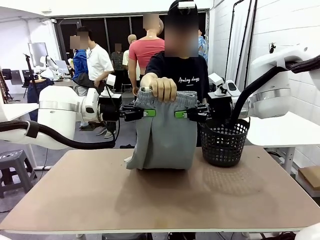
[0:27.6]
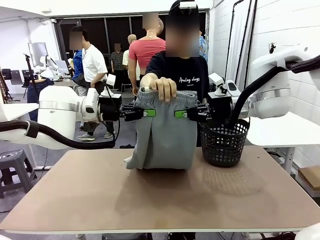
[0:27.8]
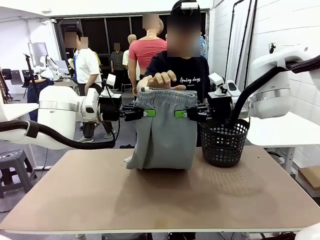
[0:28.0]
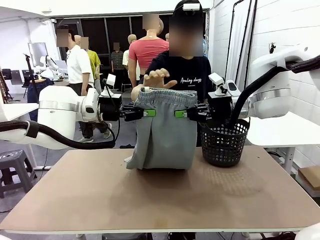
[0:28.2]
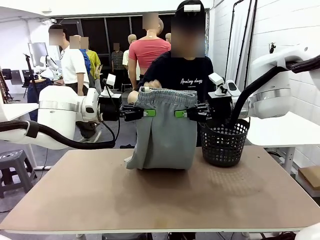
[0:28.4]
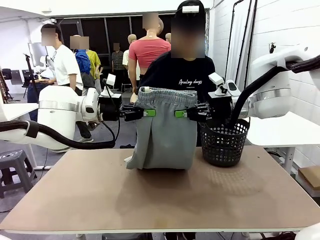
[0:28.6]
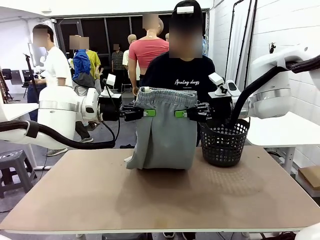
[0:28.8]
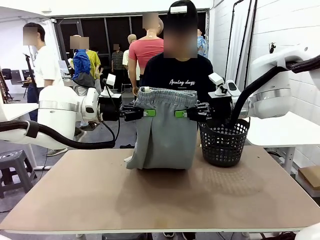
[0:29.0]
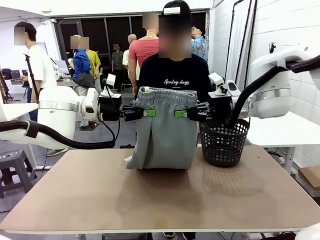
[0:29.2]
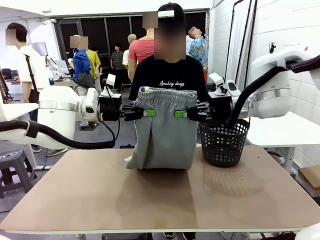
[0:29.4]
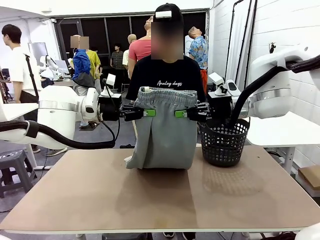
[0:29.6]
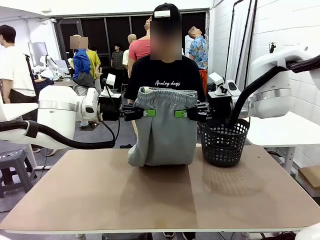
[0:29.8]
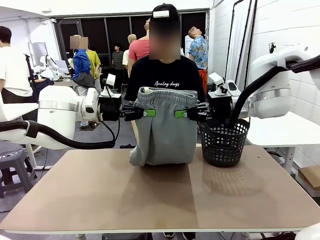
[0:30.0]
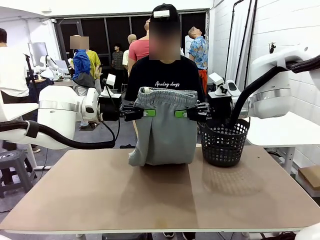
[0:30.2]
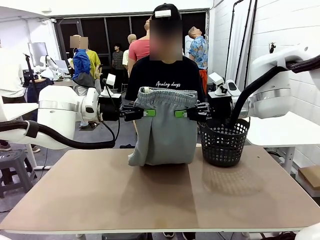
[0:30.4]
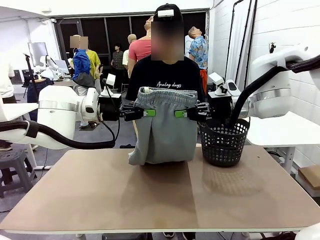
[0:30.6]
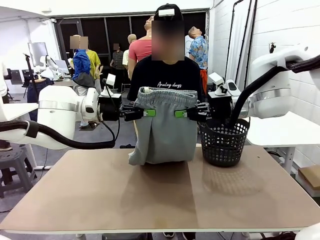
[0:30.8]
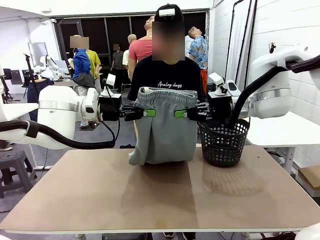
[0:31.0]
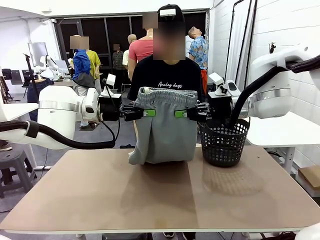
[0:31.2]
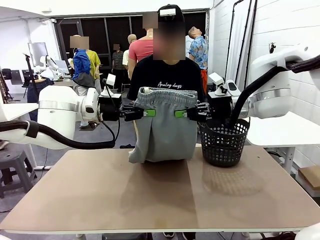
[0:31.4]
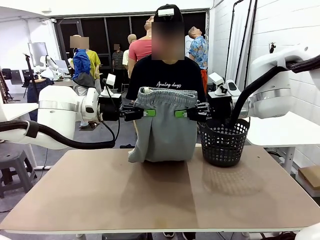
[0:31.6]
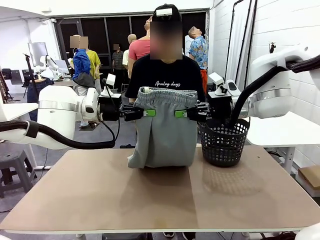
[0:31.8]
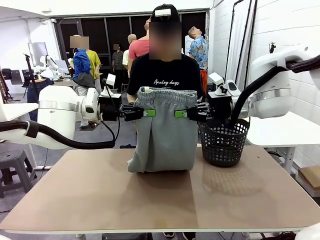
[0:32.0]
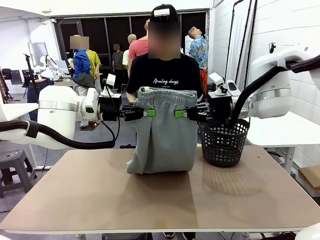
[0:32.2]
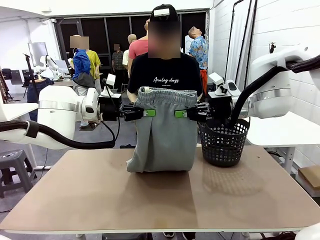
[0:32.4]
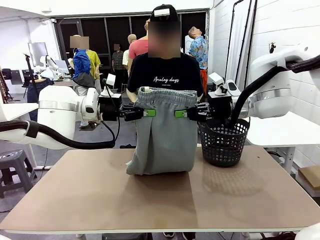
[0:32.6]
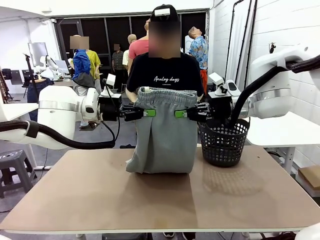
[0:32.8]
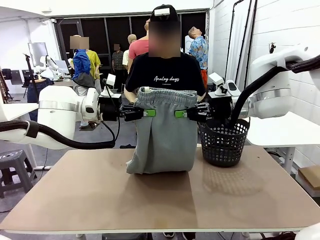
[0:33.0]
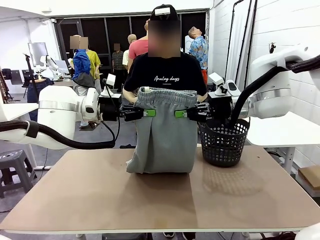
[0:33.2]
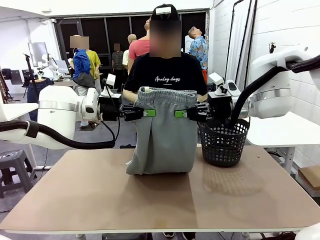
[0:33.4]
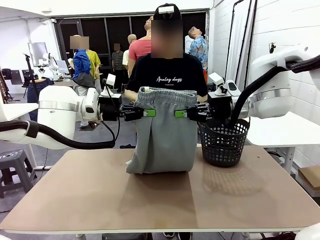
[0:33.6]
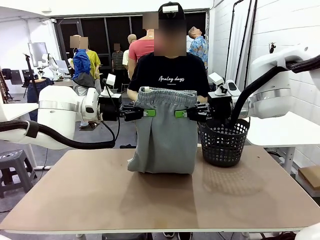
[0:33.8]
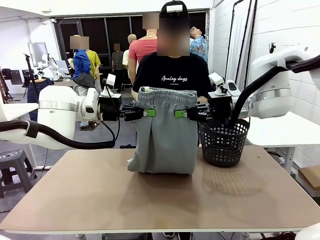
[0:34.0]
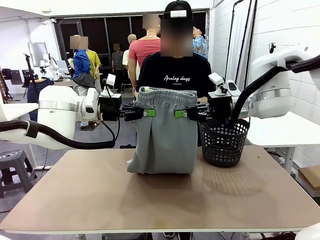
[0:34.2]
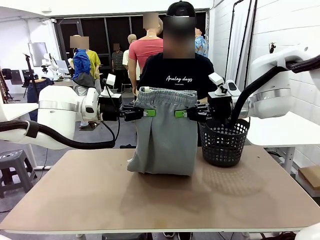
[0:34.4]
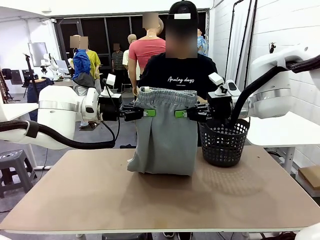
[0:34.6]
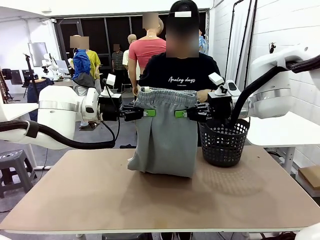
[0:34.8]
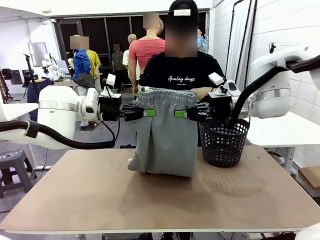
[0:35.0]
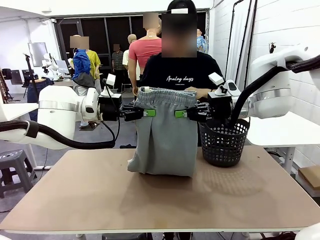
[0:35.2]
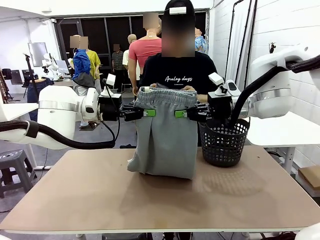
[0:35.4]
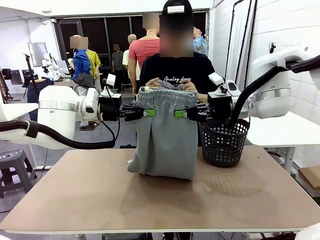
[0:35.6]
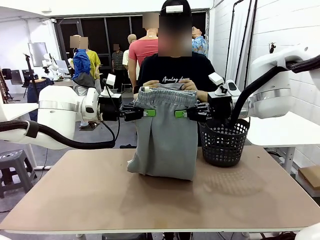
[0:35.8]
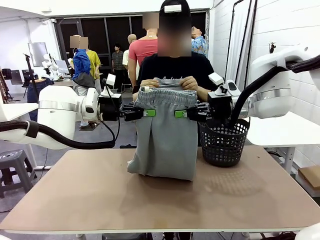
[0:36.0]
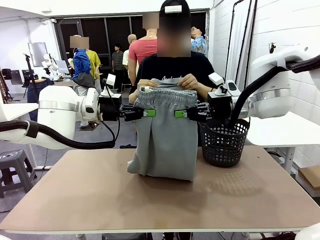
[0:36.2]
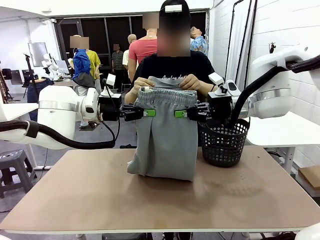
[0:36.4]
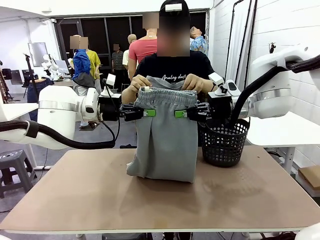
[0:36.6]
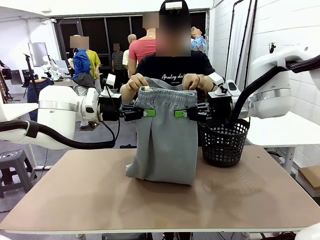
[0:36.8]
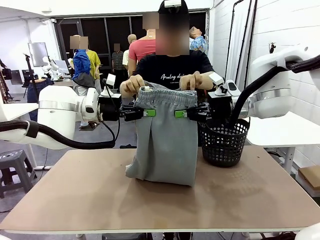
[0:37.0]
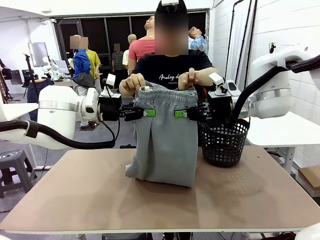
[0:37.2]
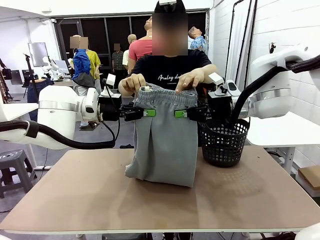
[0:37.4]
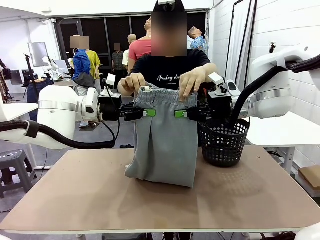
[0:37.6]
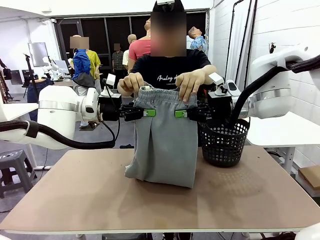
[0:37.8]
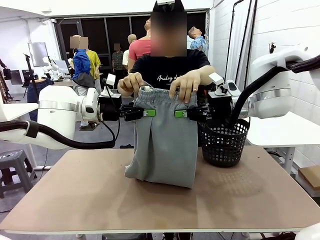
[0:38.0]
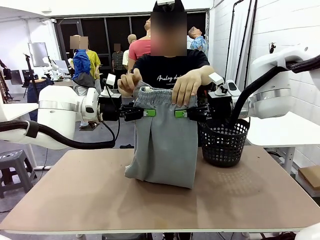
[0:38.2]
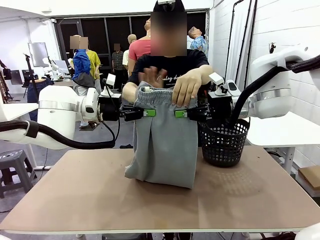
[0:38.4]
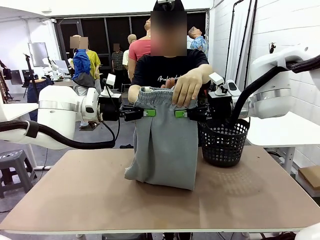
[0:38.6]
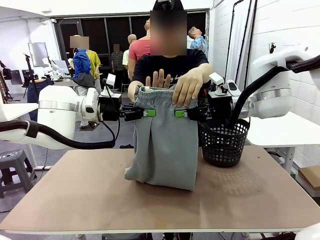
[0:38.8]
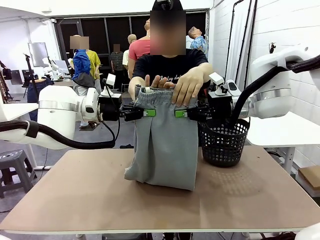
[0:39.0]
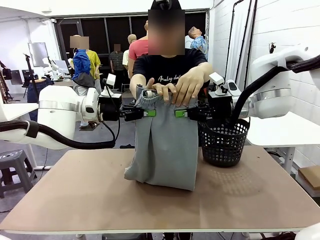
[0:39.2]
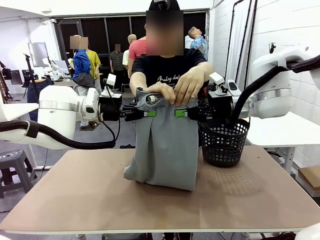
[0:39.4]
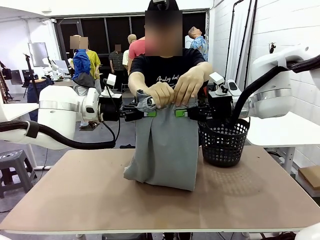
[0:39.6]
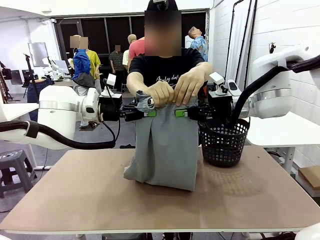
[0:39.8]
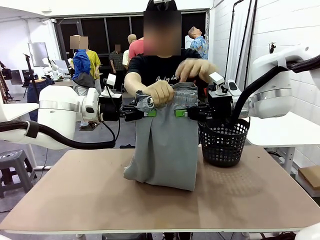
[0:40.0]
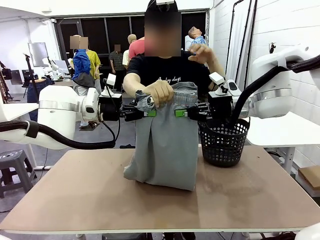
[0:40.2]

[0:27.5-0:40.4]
Task: Fold the training pants.
Robot: Release the ends of the Training pants and then grab the overlapped ends.
Person: Grasp the end opposite the point the robot is holding, fold the pants in half, and then grasp the overlapping top end of the folded pants.
